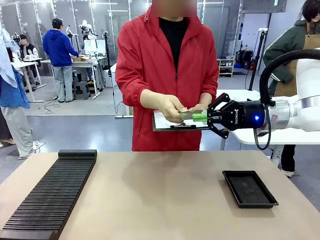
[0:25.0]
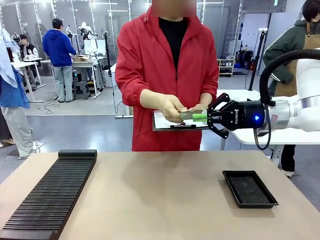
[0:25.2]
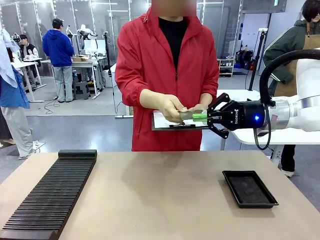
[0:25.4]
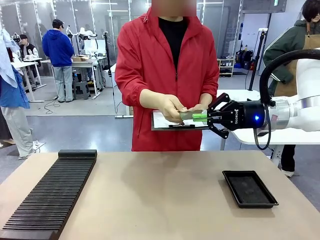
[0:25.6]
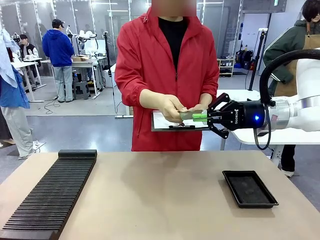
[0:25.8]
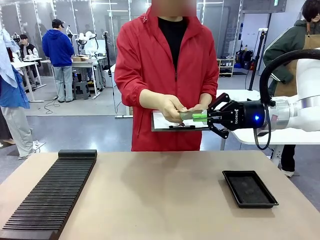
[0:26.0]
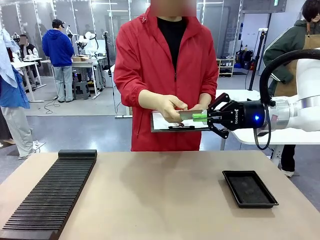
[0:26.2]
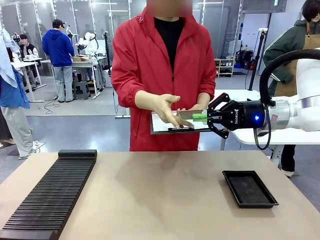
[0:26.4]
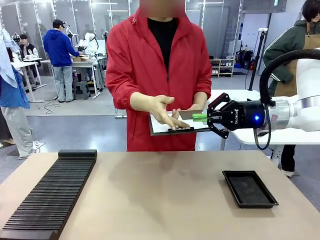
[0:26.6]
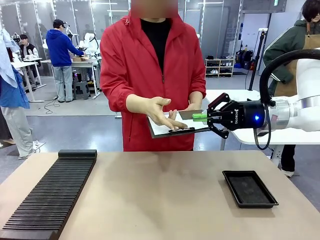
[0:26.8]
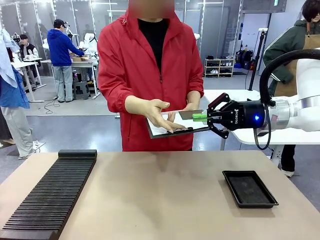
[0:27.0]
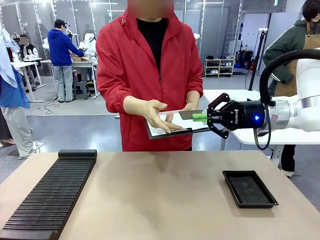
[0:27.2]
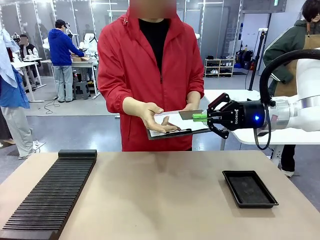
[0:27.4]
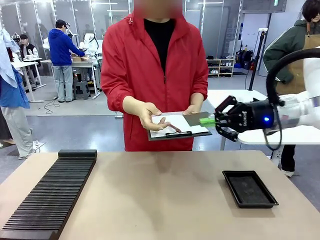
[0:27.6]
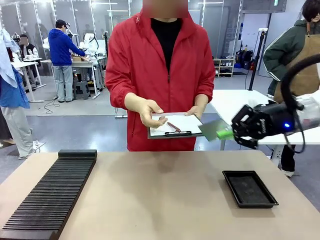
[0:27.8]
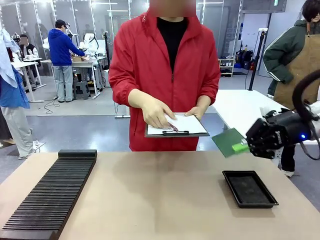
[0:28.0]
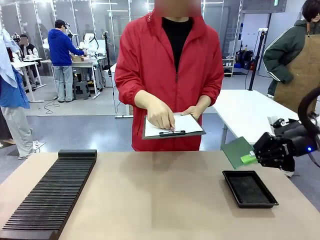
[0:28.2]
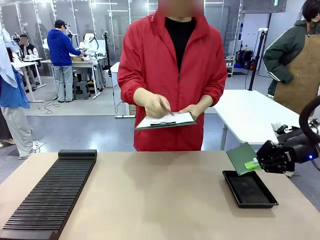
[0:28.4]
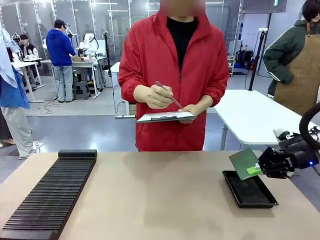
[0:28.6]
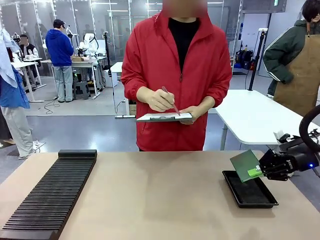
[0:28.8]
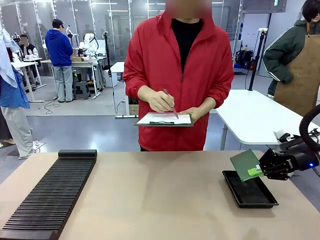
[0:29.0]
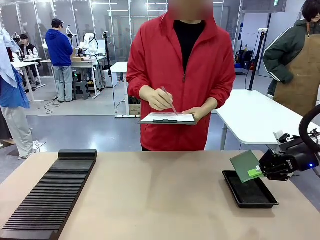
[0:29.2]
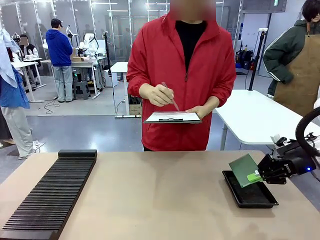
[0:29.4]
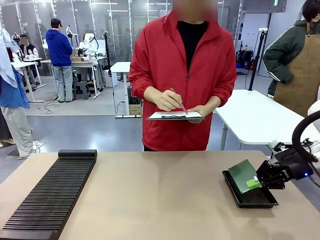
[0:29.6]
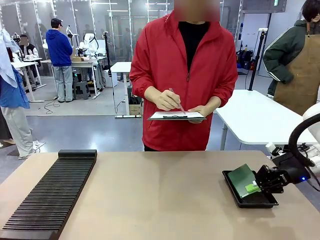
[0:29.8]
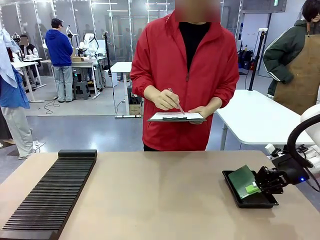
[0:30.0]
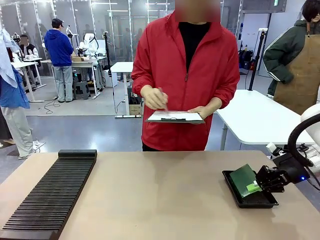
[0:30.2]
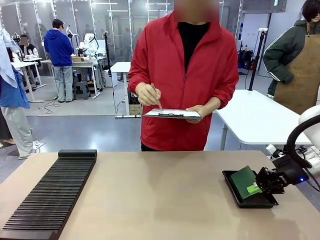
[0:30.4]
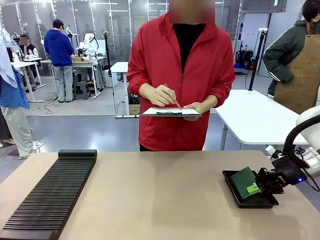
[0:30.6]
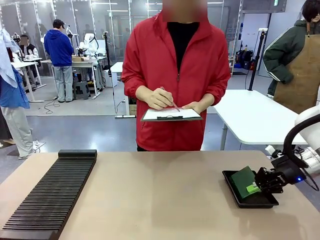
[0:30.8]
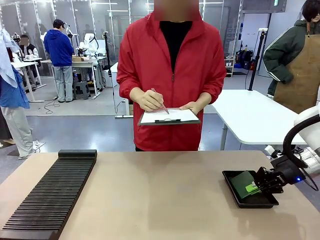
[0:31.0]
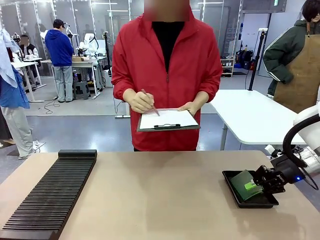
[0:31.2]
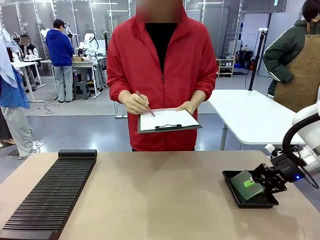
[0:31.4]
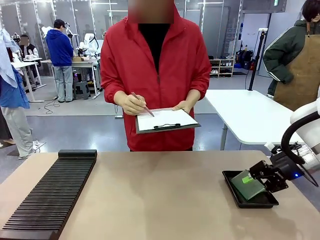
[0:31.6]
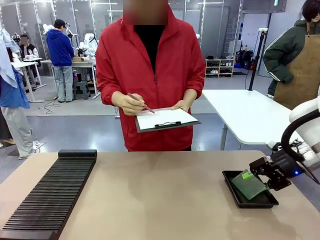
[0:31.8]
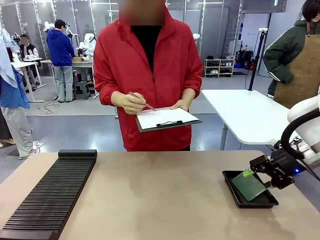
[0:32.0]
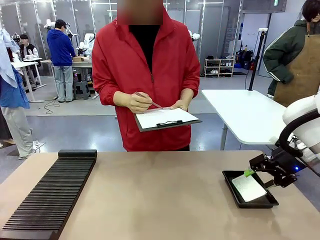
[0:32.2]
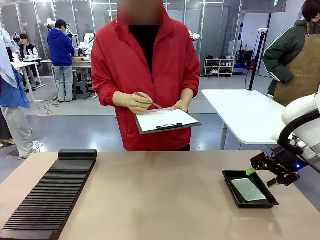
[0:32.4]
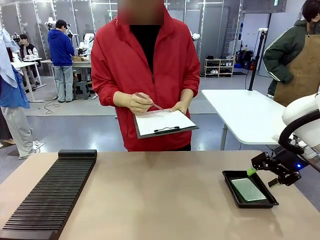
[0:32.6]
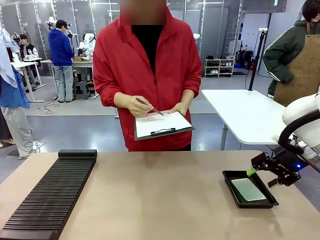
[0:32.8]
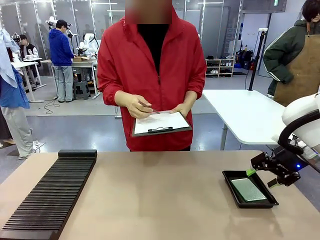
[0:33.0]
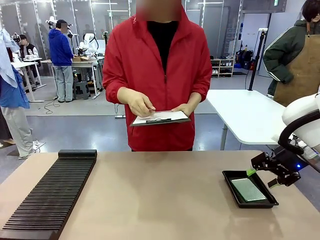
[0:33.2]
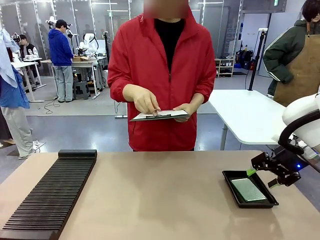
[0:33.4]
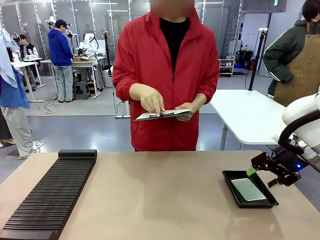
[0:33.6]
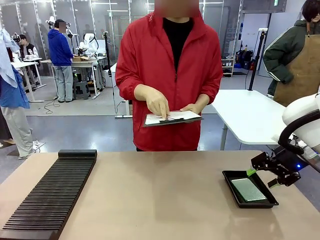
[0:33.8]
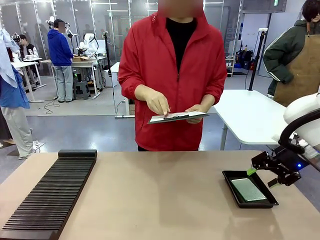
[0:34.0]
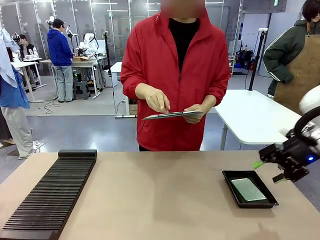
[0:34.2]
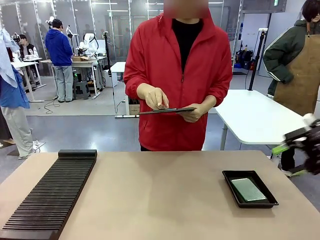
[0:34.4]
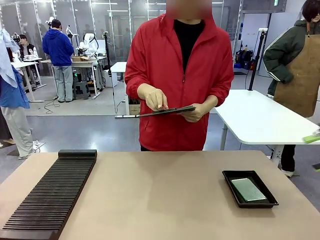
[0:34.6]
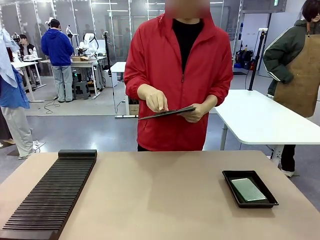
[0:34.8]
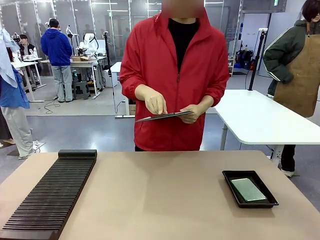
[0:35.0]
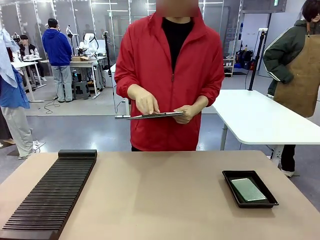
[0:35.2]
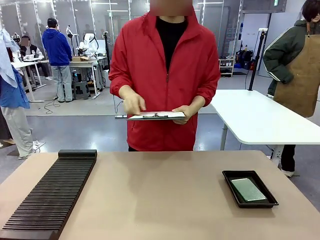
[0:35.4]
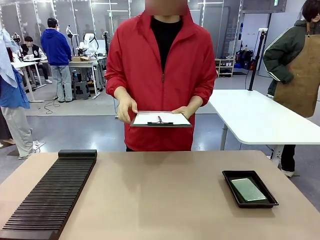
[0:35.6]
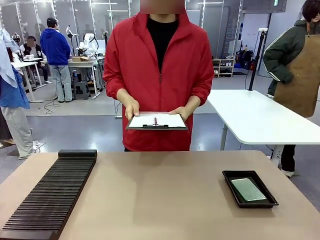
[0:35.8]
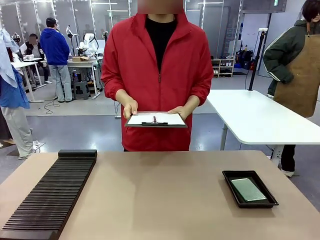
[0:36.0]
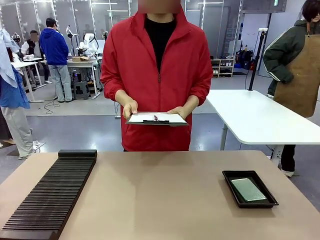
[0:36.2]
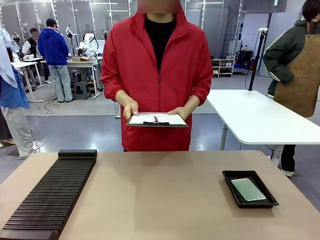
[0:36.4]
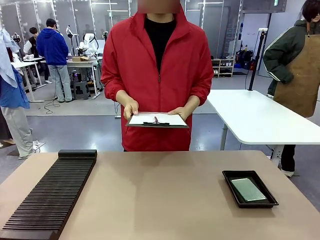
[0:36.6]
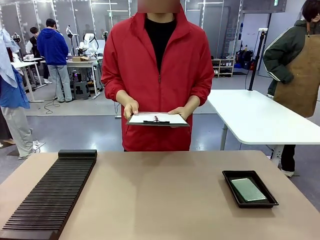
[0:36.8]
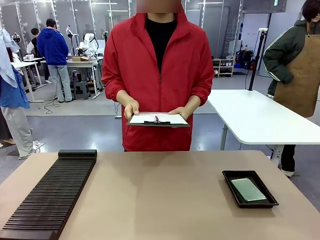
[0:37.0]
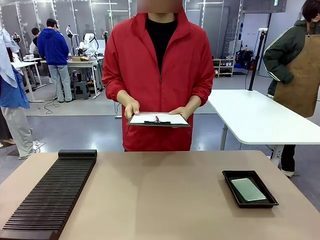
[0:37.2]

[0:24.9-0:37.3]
Task: Inspect the PCB.
Robot: Place the Blank PCB in the ESD tray.
Person: Record the PCB status on the paper.

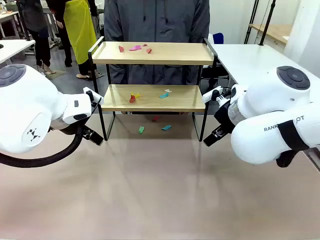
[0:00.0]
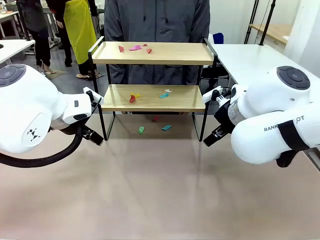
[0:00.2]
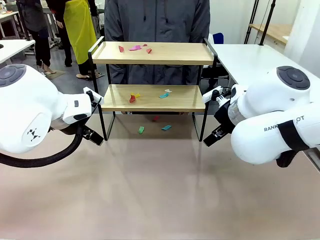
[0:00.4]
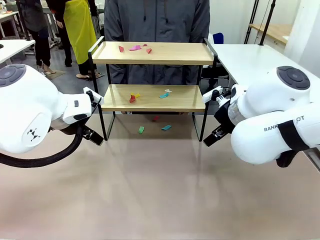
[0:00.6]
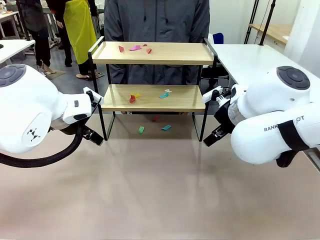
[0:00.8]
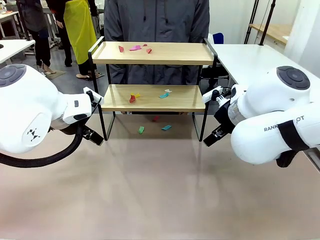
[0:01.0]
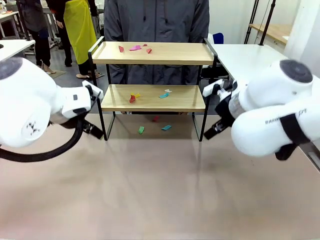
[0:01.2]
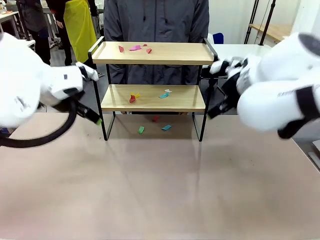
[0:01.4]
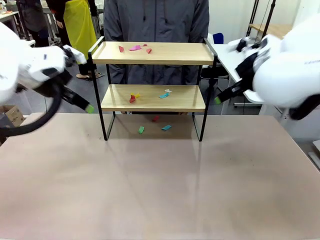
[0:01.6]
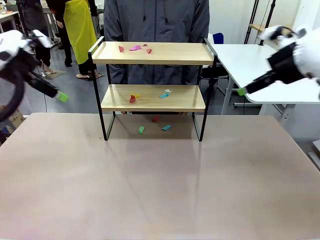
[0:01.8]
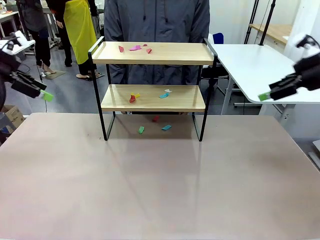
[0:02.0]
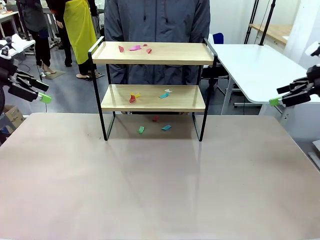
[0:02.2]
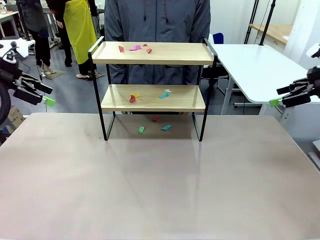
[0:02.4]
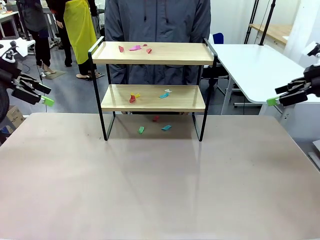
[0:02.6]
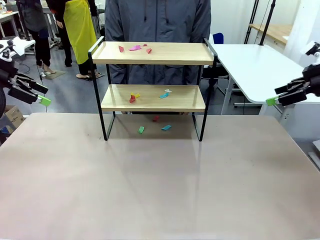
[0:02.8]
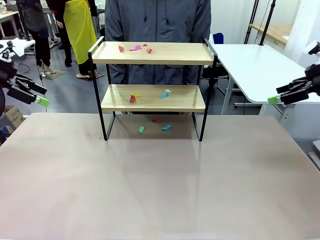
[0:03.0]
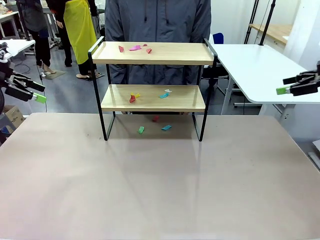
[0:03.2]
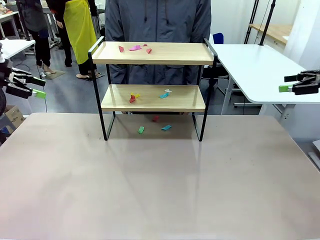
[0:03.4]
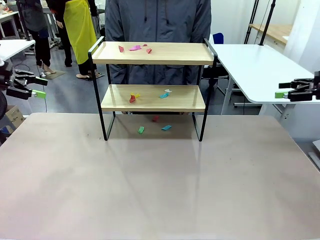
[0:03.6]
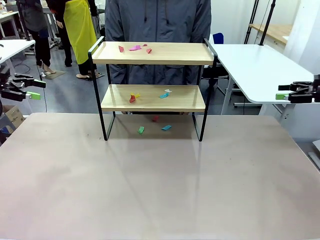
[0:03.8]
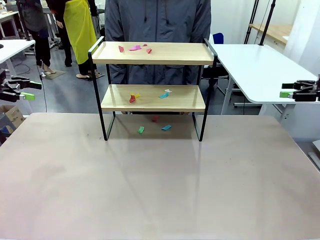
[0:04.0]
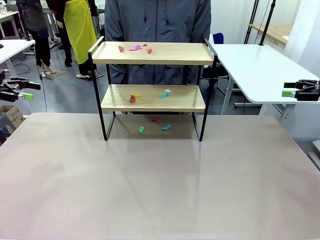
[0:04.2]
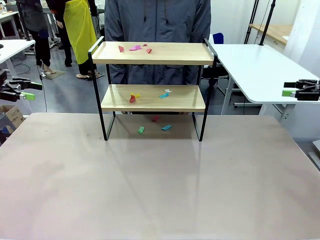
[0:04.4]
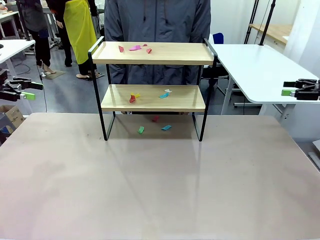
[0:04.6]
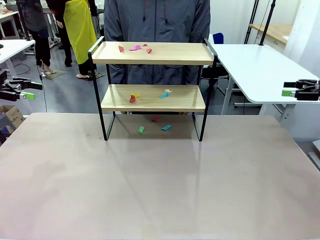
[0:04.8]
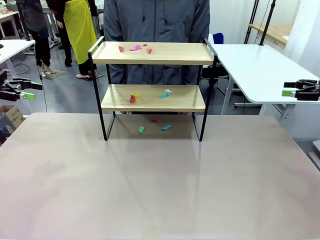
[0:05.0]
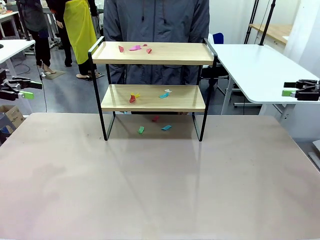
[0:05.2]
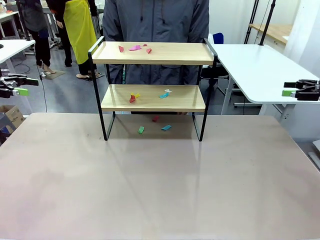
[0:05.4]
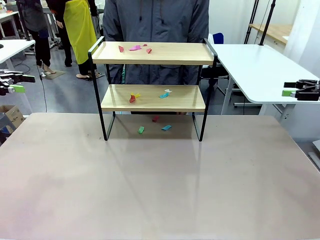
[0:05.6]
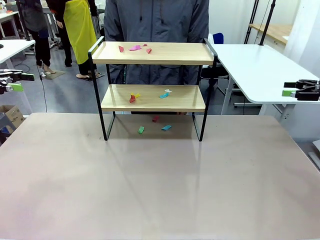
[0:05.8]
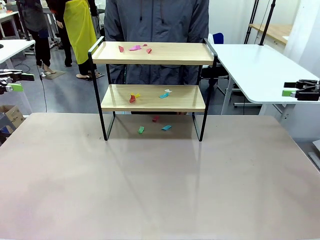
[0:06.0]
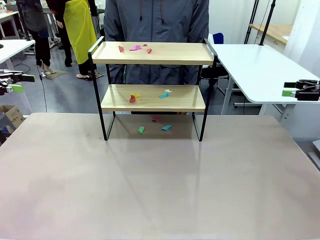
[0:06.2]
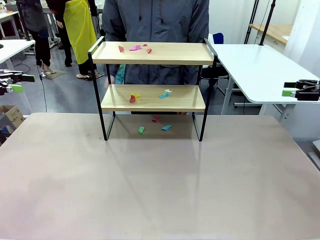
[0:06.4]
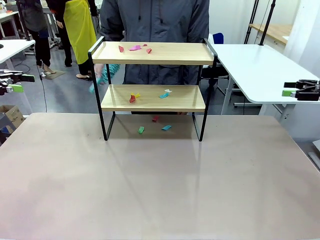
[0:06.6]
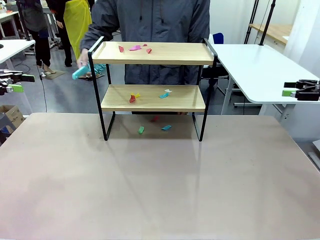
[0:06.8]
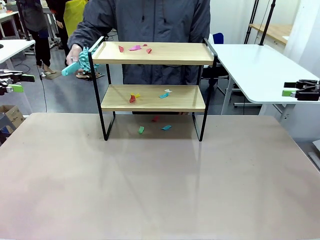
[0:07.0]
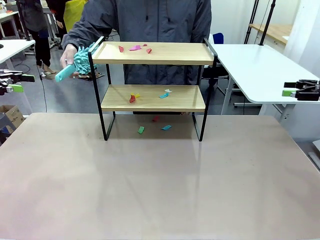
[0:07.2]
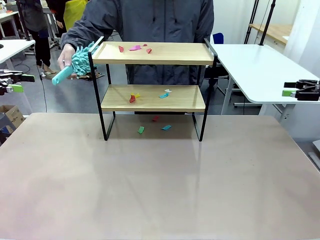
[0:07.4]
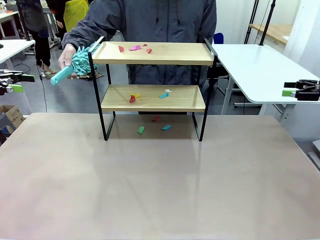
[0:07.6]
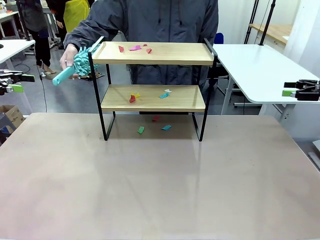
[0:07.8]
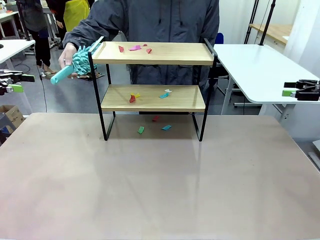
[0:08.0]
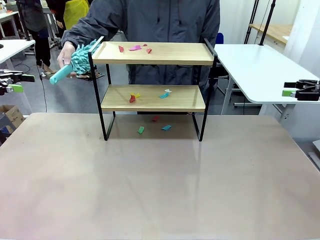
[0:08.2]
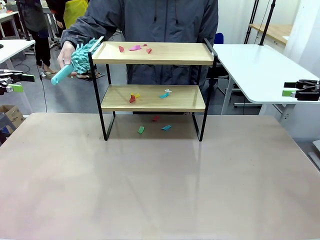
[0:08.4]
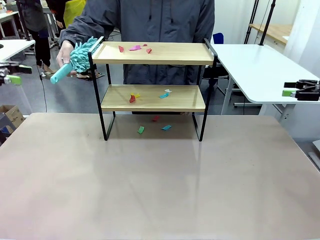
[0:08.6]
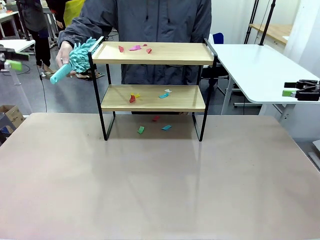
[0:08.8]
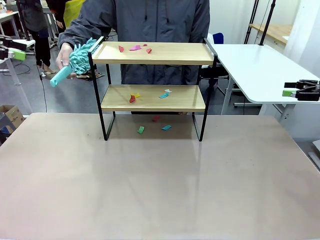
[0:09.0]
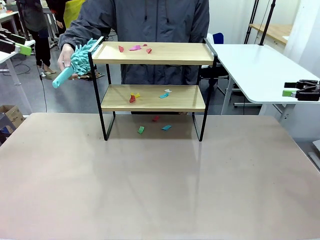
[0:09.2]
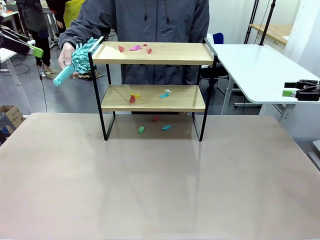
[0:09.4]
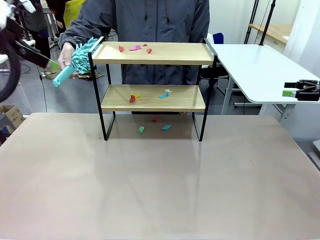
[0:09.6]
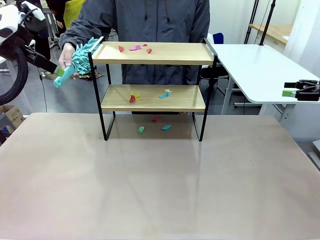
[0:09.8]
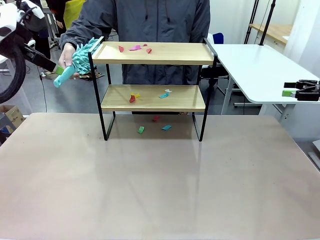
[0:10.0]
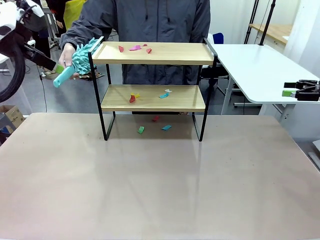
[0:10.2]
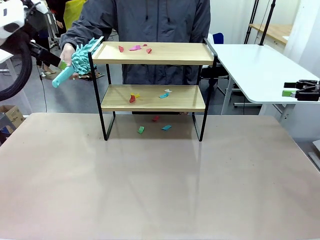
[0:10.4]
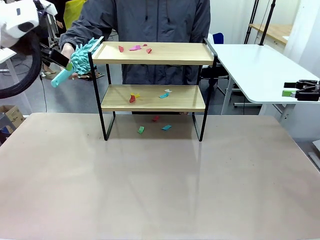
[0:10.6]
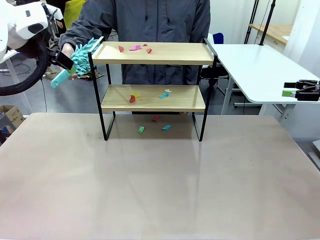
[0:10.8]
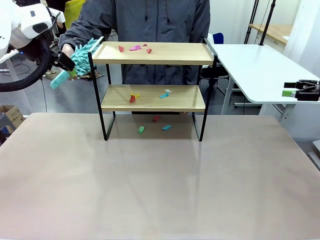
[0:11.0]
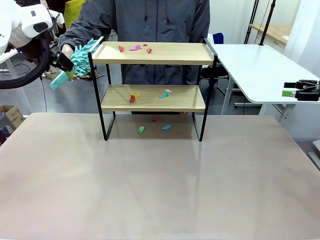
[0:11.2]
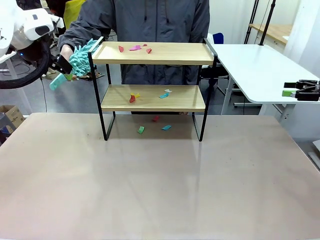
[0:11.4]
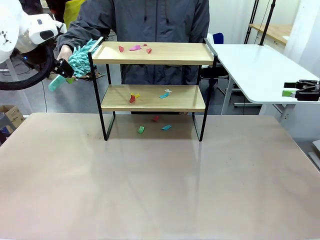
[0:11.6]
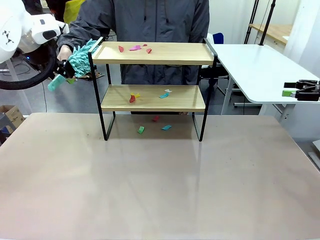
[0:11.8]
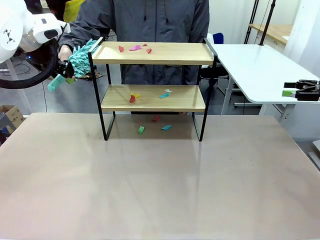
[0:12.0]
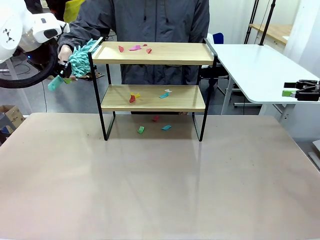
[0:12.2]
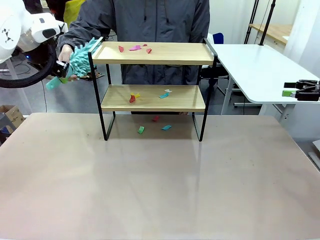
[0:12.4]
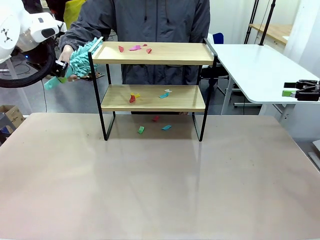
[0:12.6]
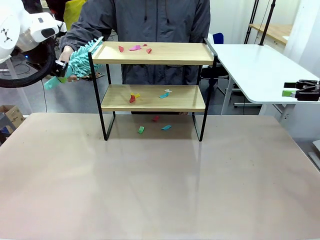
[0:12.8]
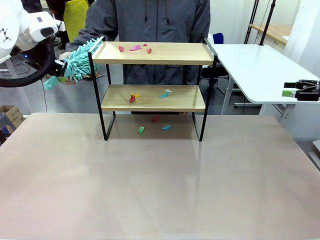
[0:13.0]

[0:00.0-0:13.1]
Task: Clean the shelf.
Robot: Pick up the Duster handed by the human.
Person: Hand the Duster to the robot.
